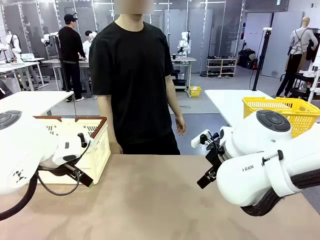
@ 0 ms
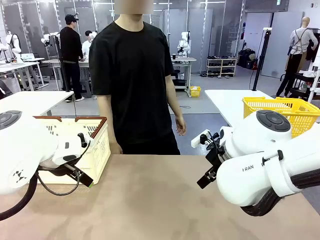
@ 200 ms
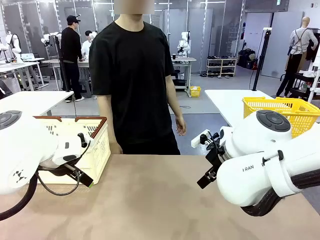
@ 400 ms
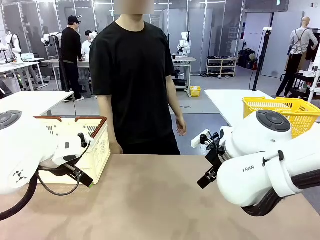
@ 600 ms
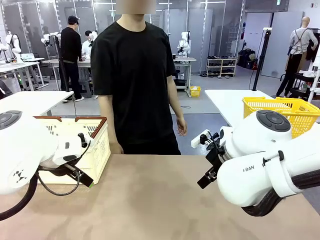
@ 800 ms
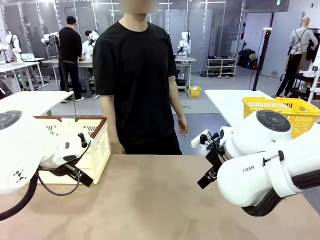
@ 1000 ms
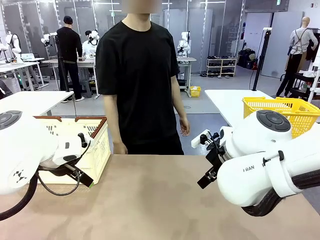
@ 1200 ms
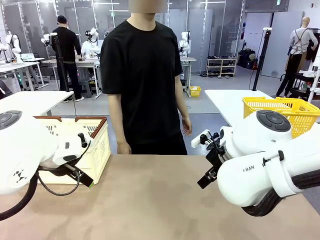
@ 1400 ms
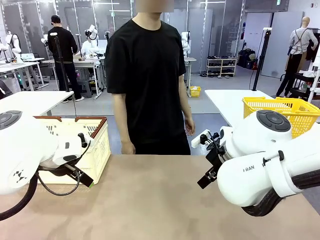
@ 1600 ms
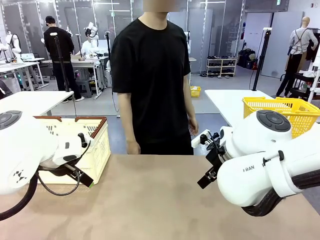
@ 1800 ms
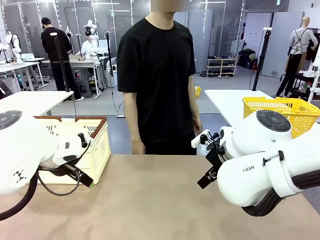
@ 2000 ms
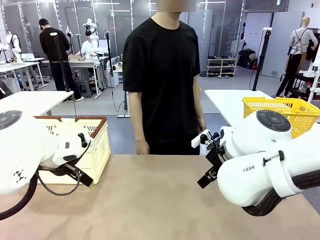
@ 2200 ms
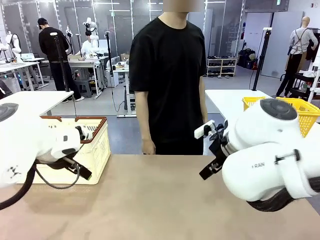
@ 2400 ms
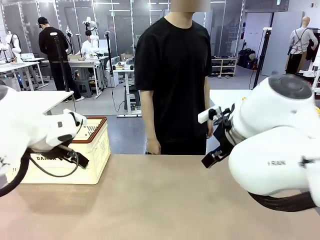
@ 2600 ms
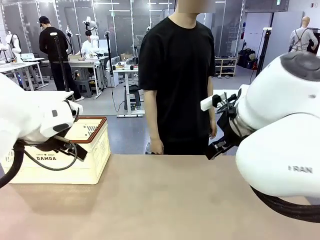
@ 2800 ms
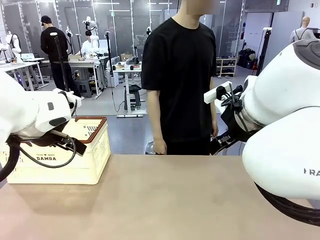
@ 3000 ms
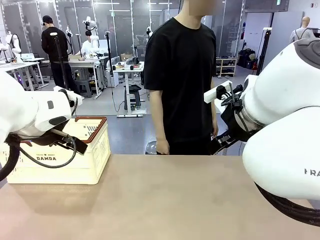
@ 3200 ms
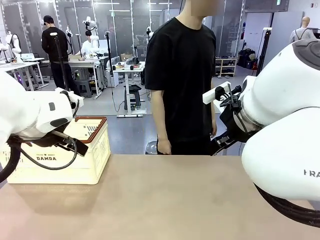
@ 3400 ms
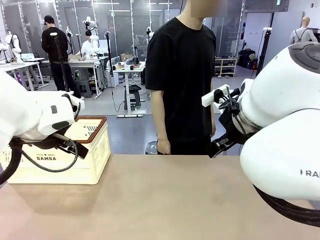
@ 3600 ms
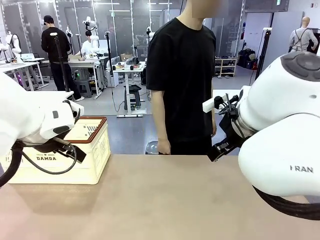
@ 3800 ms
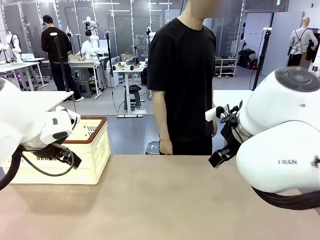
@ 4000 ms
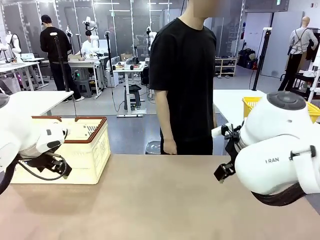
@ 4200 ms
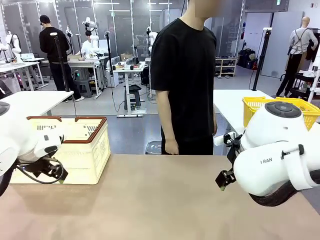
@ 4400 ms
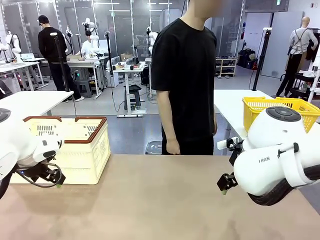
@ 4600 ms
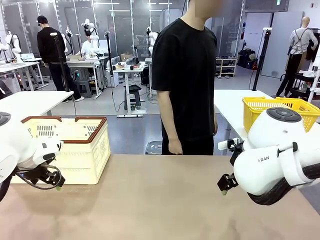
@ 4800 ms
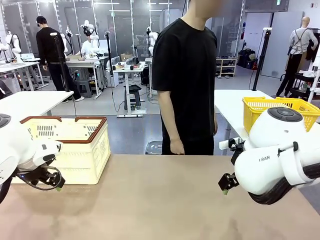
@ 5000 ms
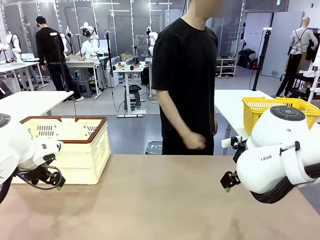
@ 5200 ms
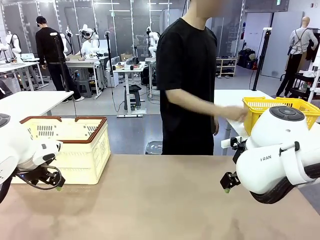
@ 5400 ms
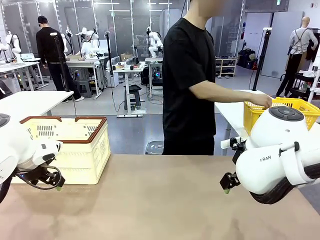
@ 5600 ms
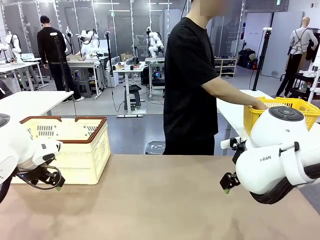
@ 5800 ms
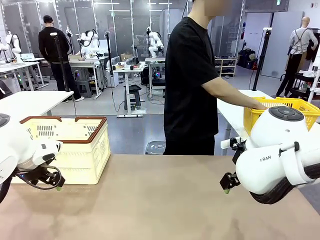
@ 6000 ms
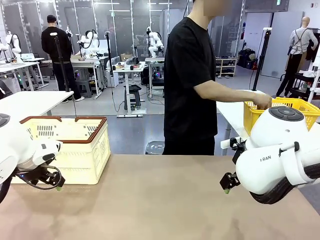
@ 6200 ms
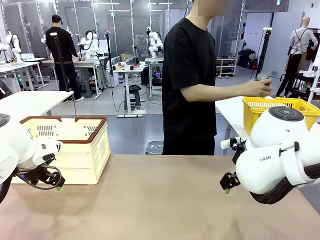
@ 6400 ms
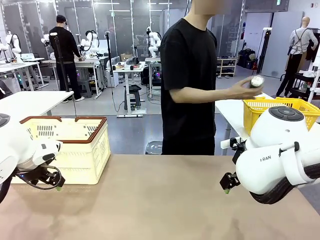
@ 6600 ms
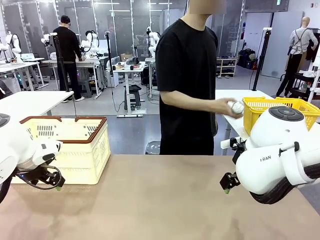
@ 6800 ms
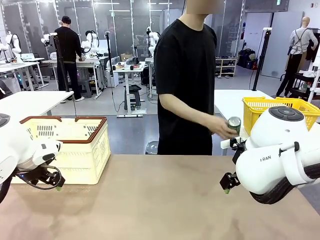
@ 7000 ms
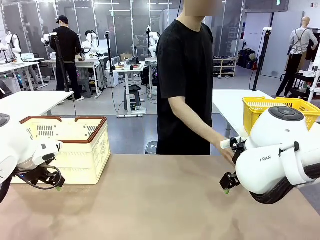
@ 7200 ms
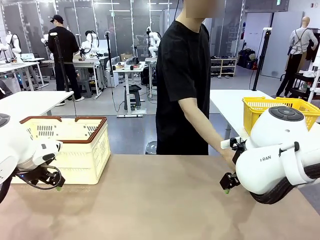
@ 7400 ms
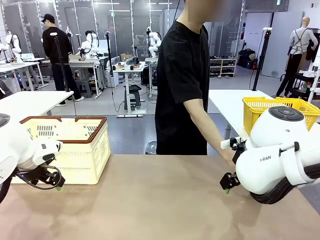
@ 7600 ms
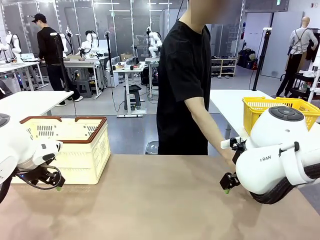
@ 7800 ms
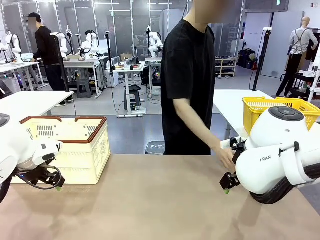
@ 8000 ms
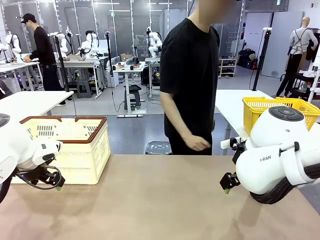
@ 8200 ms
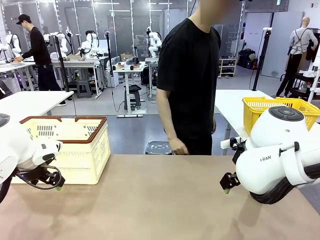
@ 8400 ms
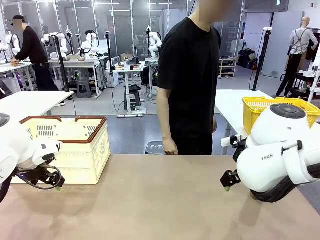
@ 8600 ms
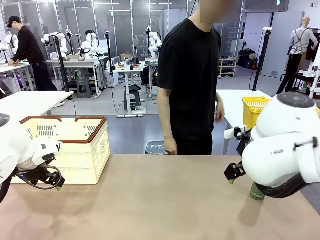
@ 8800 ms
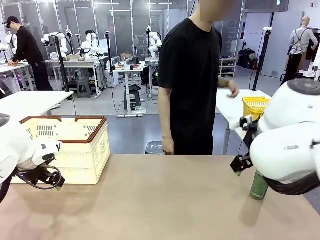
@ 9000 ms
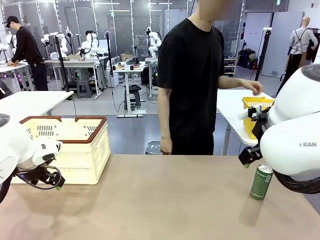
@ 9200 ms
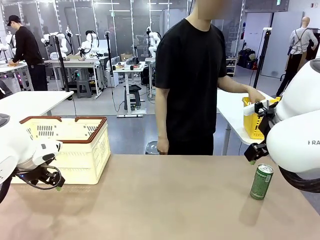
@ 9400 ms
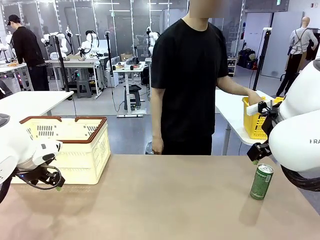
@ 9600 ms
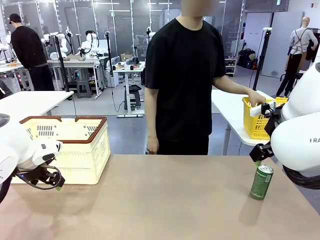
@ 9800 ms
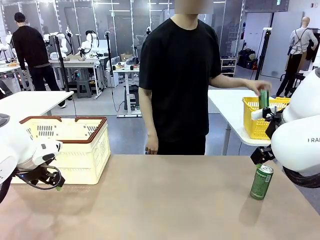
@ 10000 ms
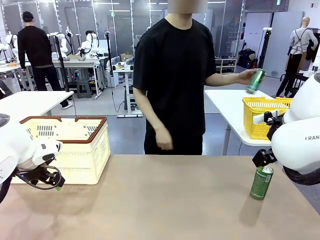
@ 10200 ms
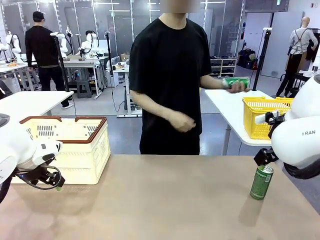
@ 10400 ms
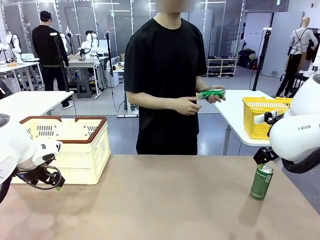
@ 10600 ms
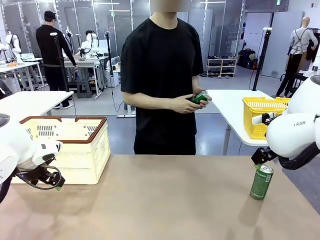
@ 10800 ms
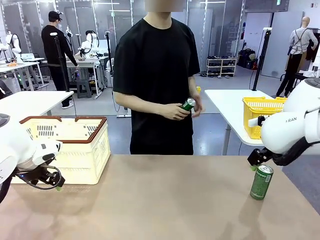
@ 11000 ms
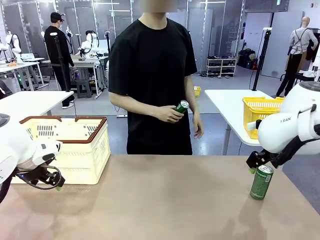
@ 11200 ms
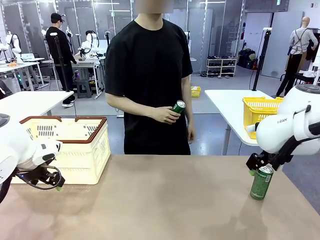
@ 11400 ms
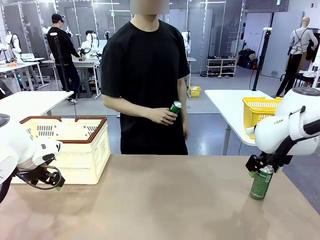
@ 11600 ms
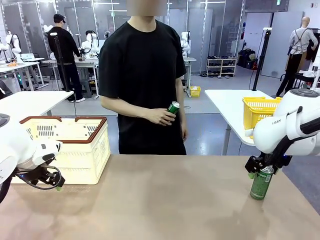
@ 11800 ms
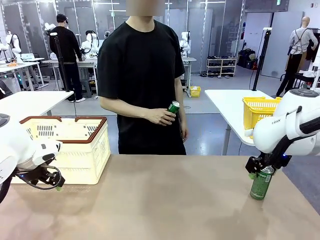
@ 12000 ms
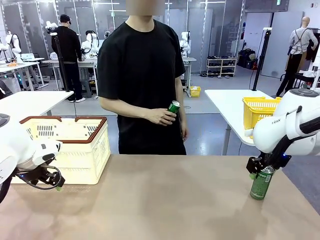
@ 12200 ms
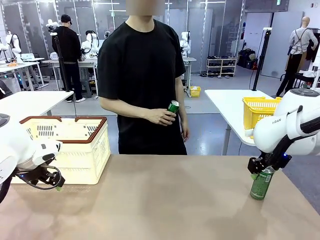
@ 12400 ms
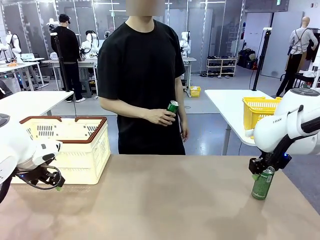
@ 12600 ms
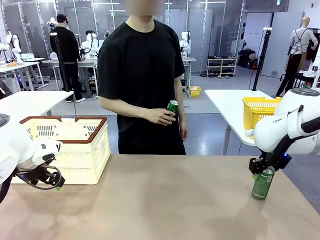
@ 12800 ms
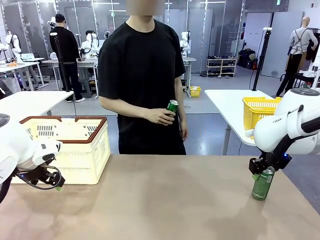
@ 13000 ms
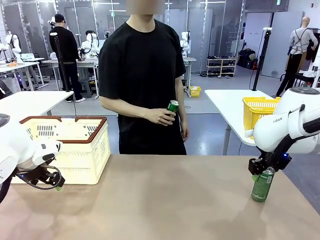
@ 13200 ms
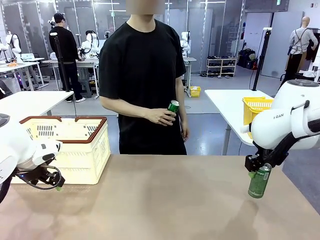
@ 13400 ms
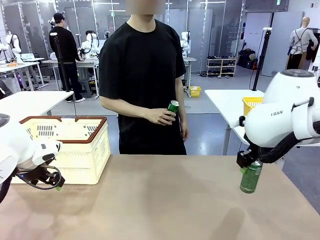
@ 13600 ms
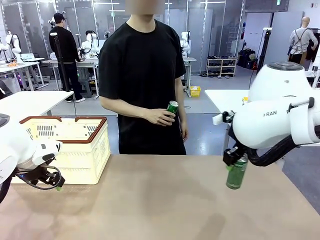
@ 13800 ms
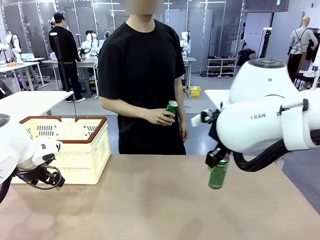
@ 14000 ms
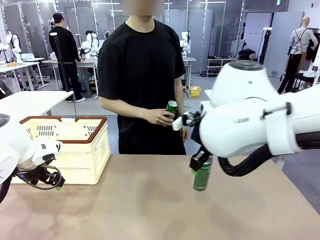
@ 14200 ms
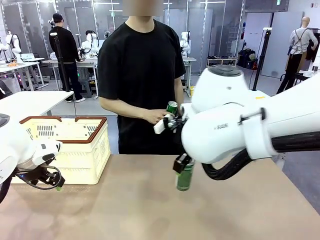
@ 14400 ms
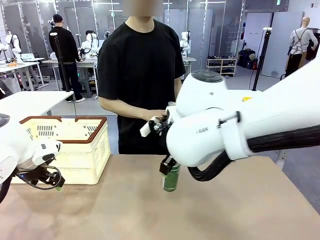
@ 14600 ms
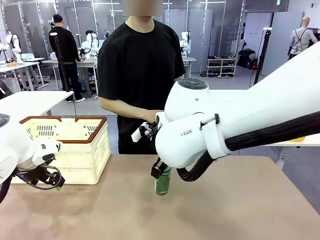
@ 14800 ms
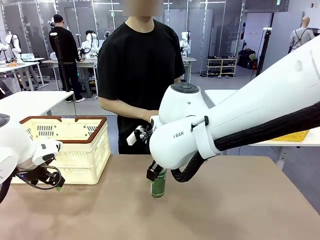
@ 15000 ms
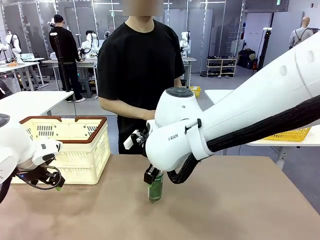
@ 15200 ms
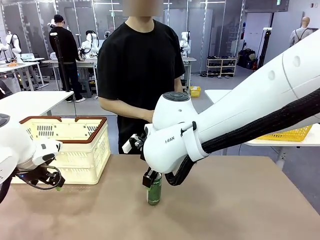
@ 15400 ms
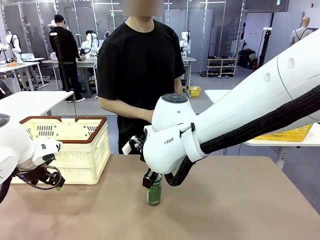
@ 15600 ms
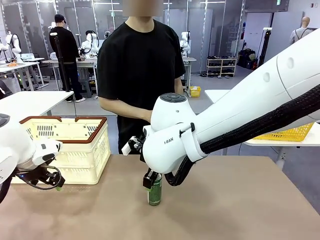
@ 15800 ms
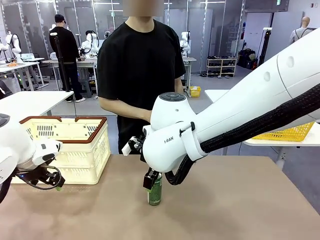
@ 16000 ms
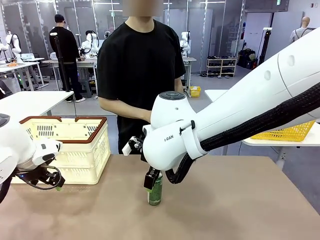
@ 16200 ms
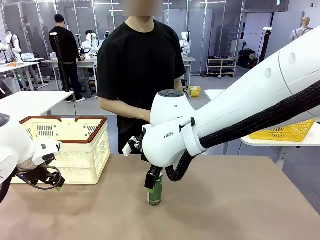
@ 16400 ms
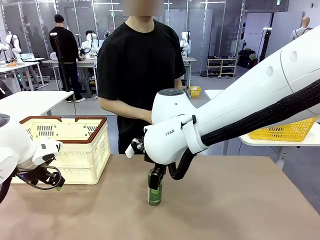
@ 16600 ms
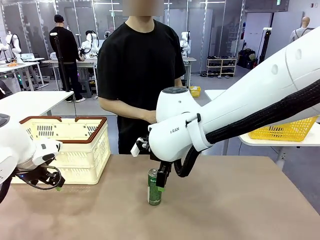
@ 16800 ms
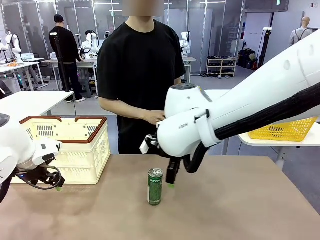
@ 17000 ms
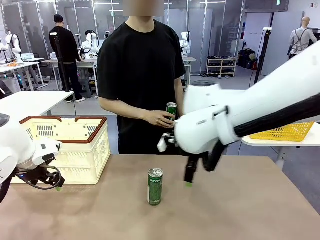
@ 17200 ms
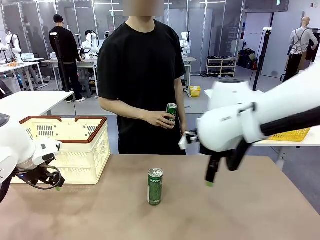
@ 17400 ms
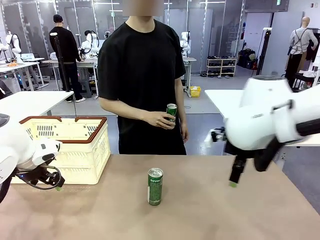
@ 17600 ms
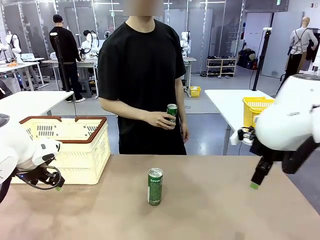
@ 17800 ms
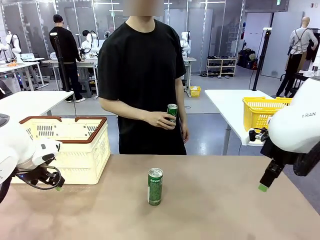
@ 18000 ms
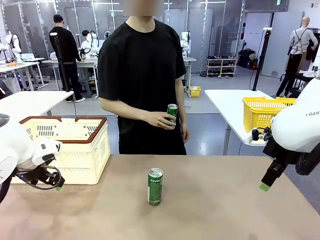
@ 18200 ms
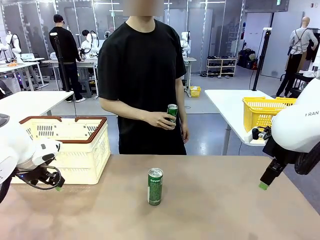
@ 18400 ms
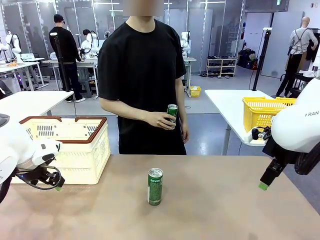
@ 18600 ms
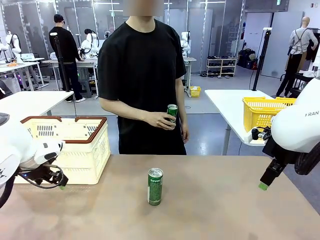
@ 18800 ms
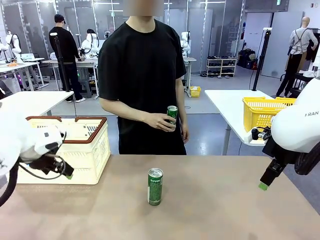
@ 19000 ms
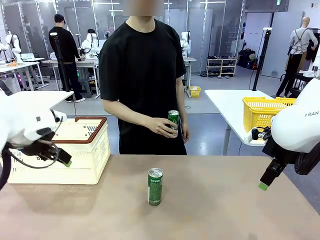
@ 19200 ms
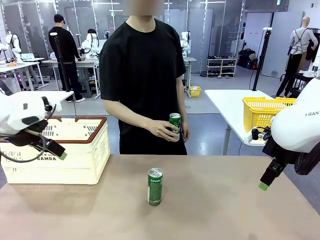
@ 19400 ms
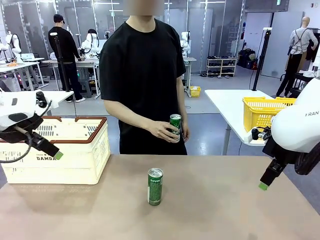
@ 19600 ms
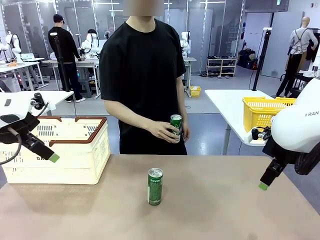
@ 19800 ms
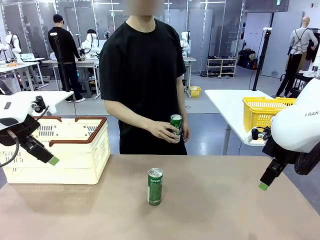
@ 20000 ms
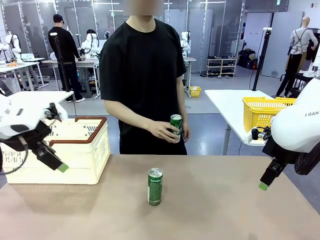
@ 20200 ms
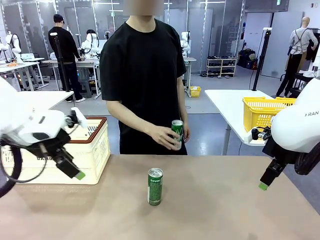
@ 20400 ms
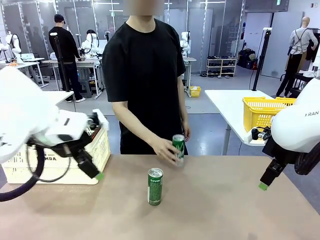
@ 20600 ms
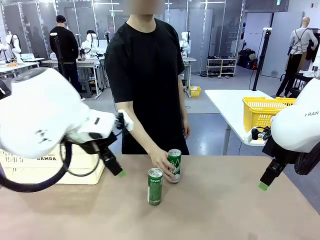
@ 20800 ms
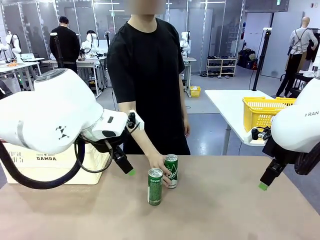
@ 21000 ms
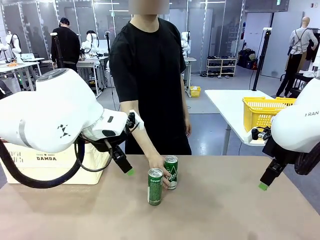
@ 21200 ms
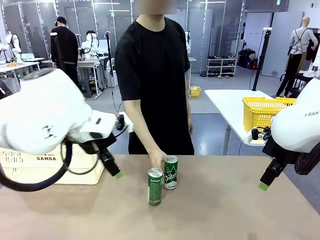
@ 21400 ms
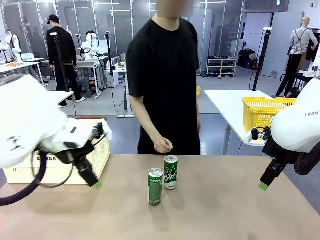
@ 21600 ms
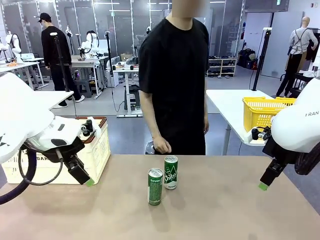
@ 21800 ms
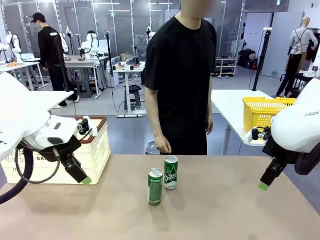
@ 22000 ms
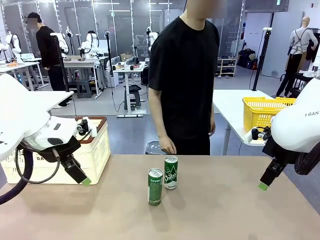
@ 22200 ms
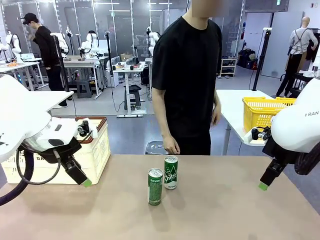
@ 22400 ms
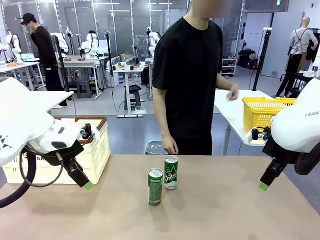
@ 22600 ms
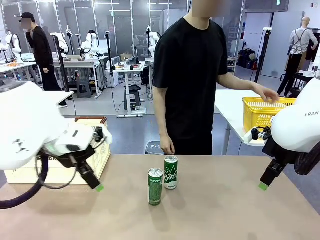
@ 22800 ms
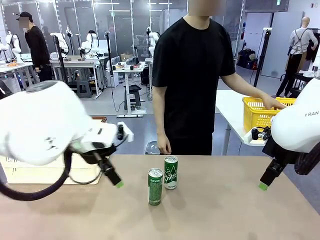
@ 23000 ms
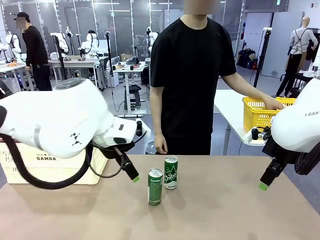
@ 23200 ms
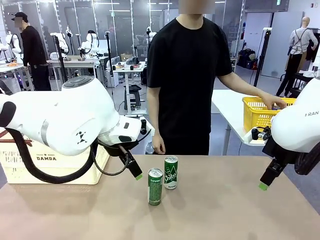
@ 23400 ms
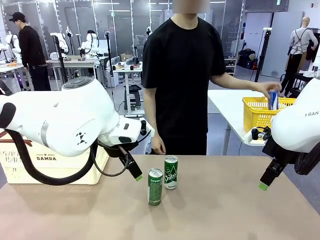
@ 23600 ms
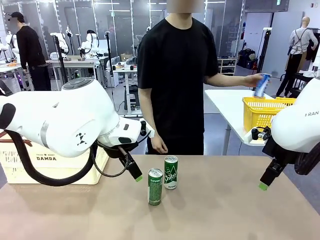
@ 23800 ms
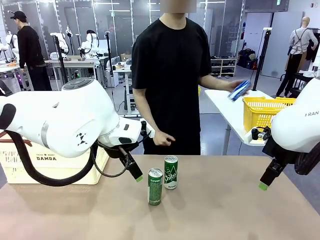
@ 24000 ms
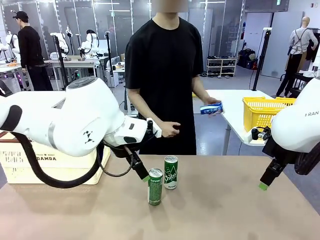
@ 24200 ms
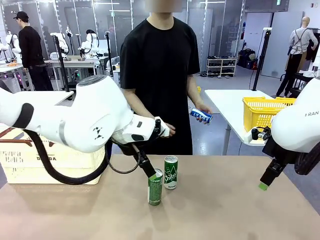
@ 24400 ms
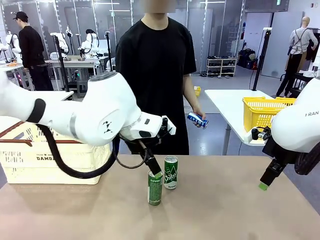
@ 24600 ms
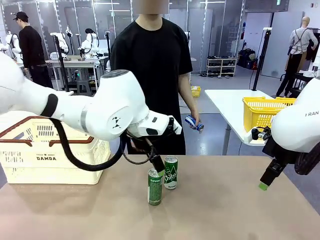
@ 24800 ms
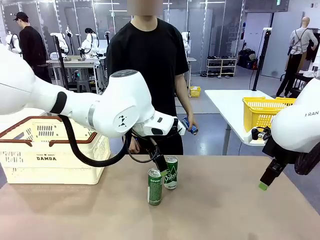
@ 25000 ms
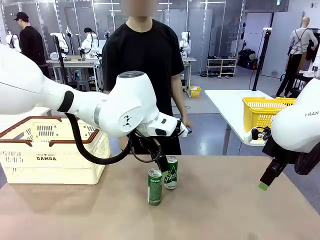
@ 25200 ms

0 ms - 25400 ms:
Task: Place the drinks into the Shopping basket.
Robot: Pick up one drink and place it into the Shopping basket.
